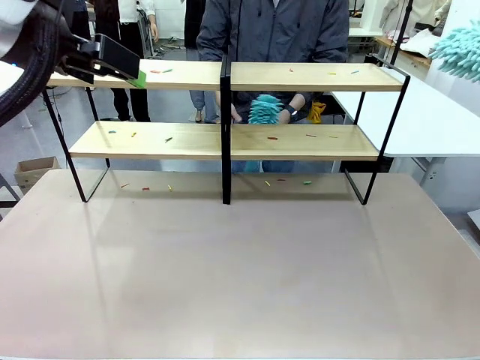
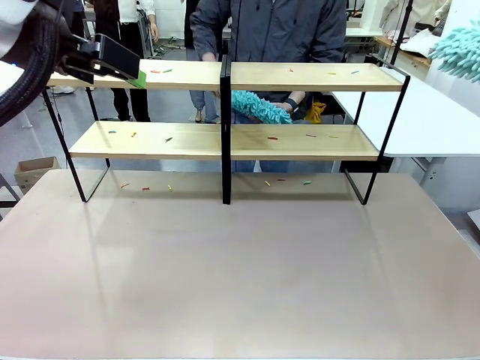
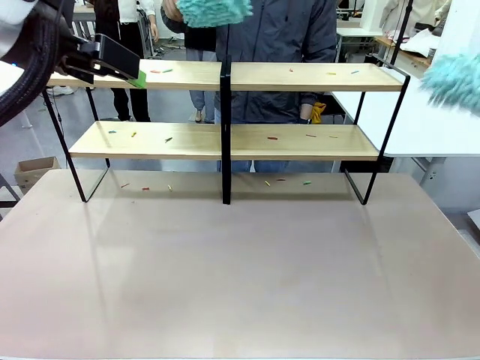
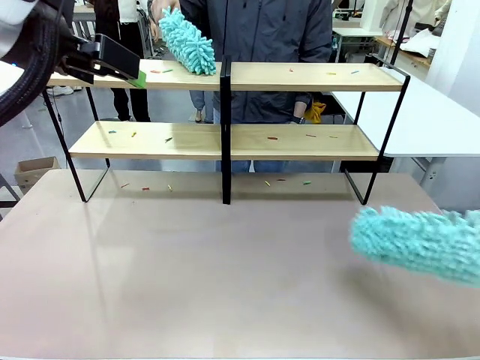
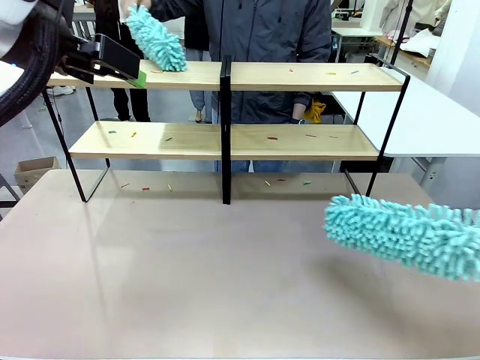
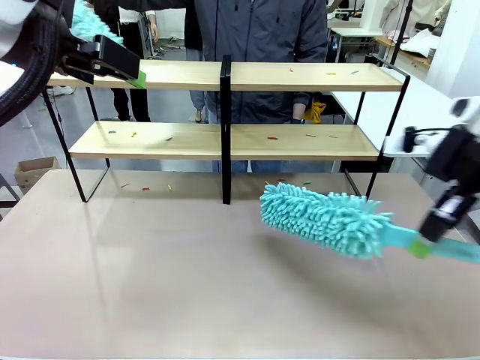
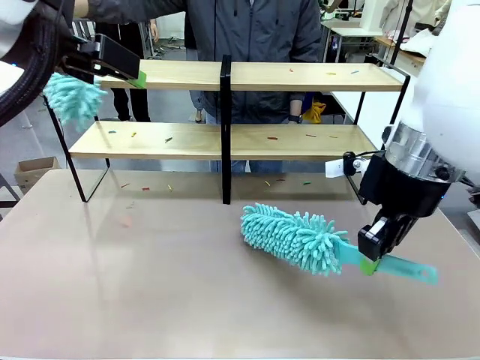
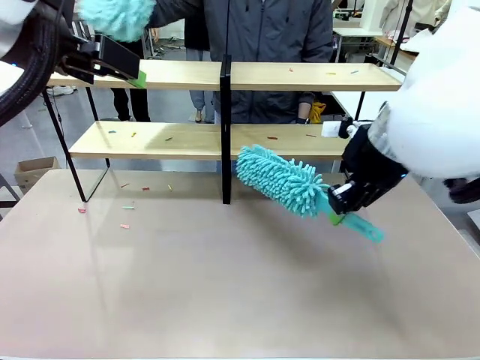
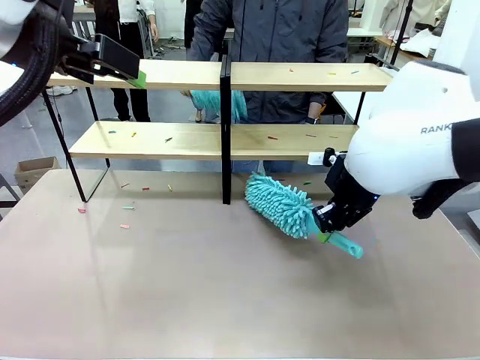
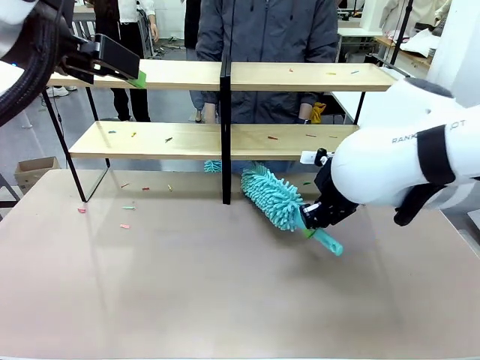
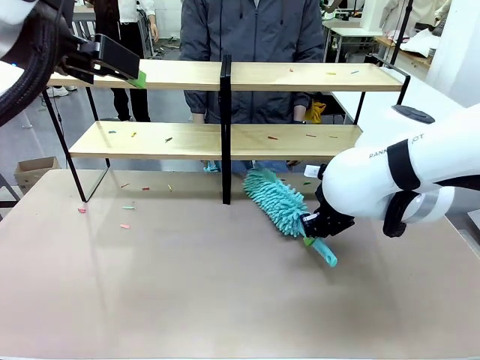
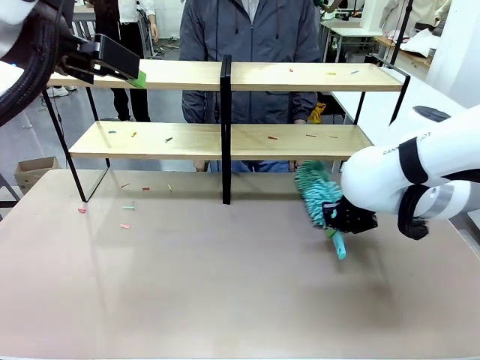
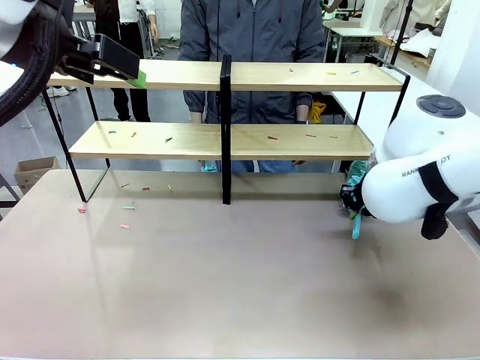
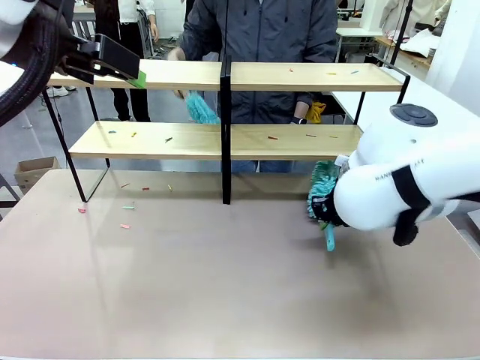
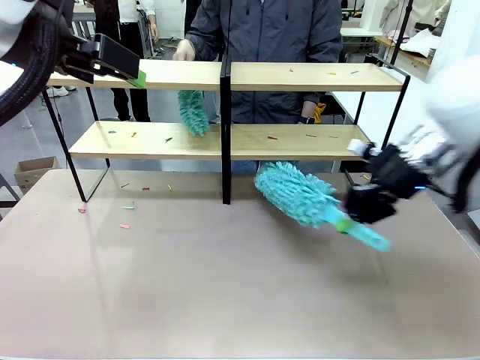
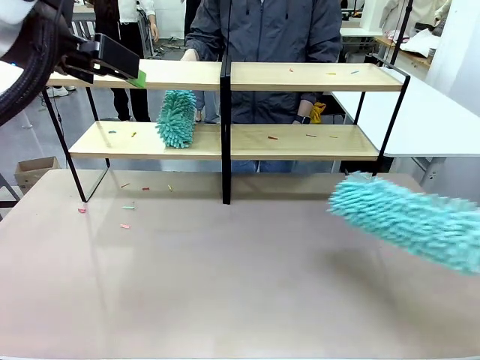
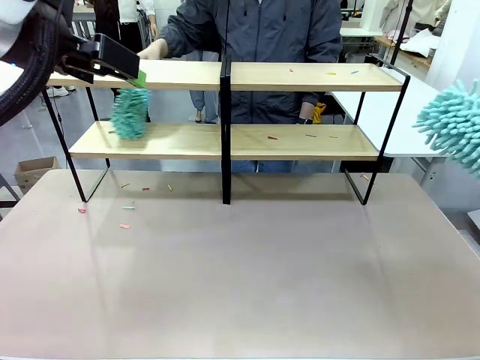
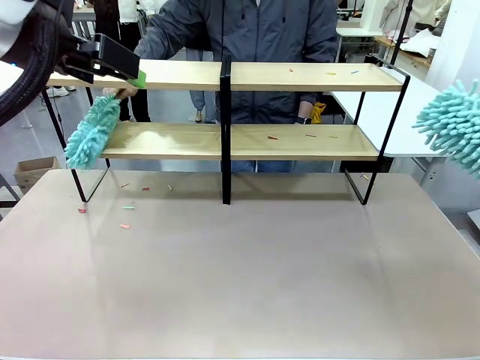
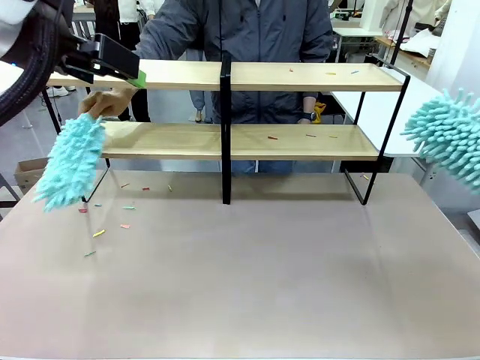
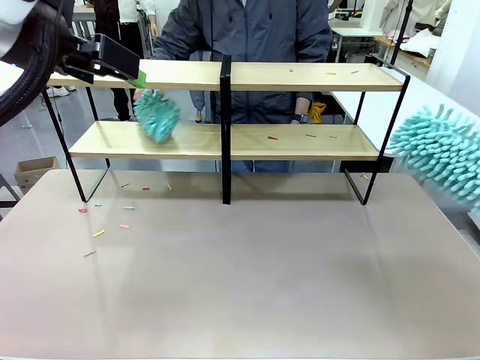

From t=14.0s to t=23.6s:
Task: Clean the shelves.
Robot: Clean a randomly selected level of the Shelf with the Duster.

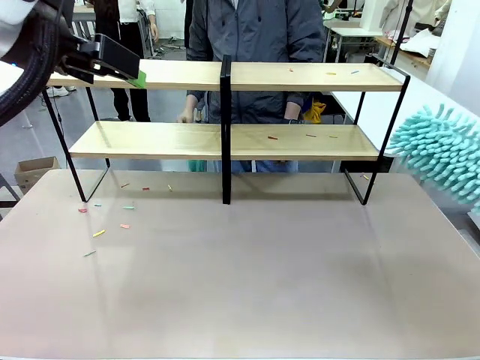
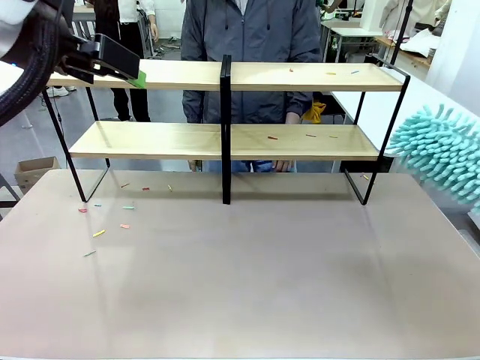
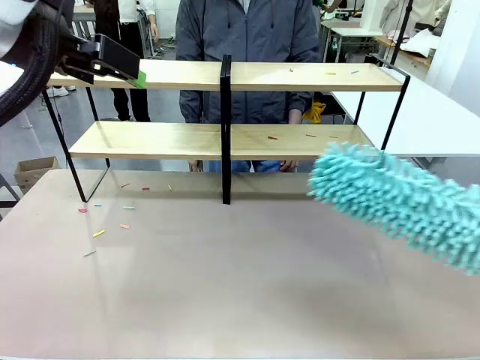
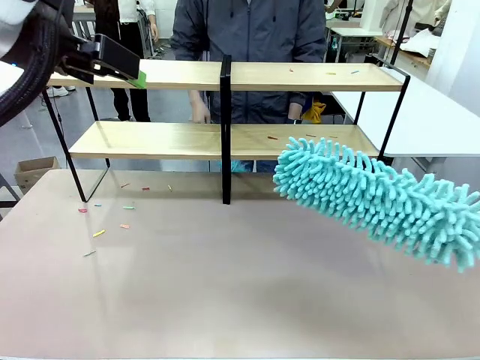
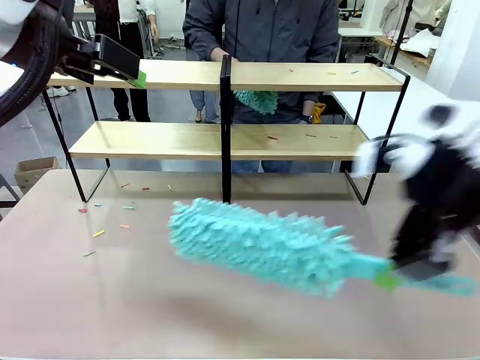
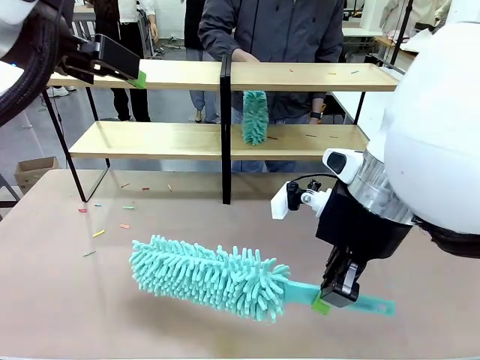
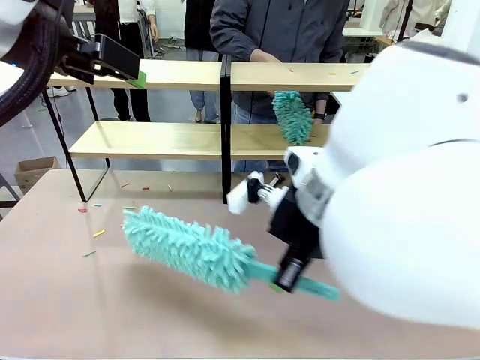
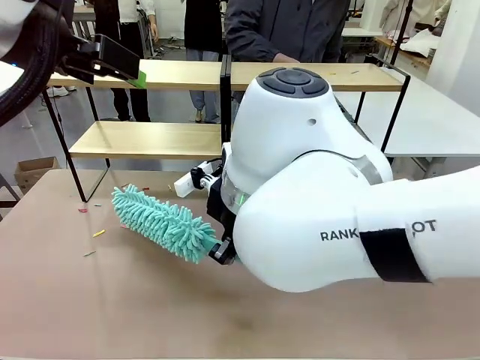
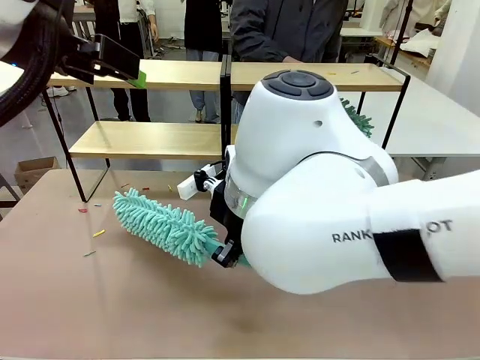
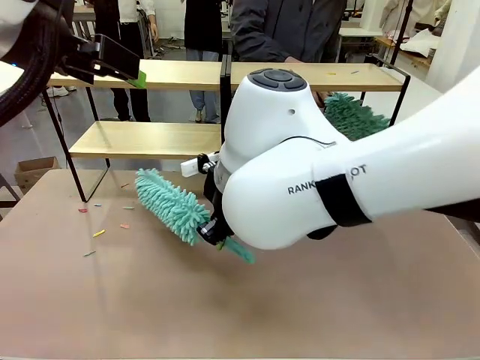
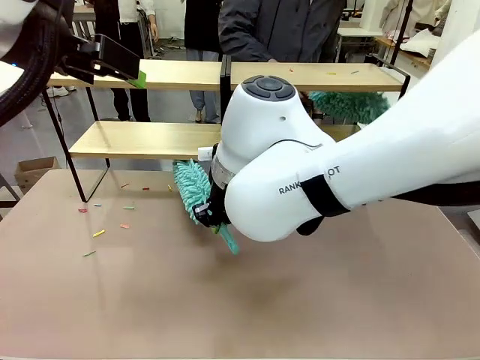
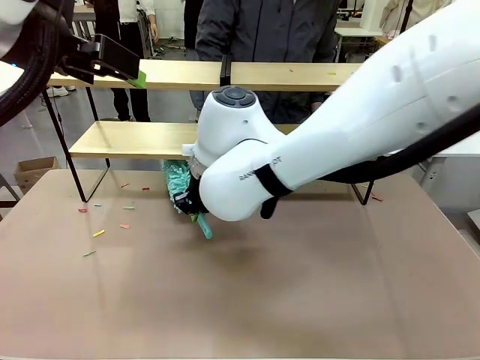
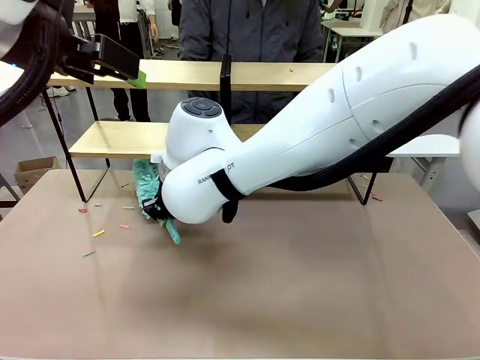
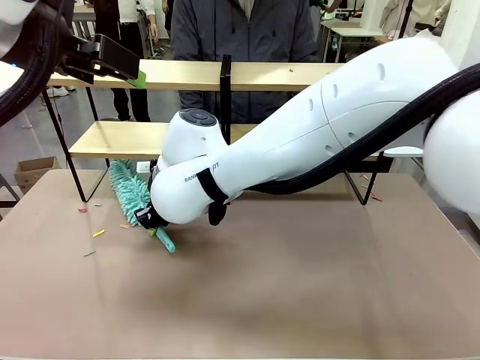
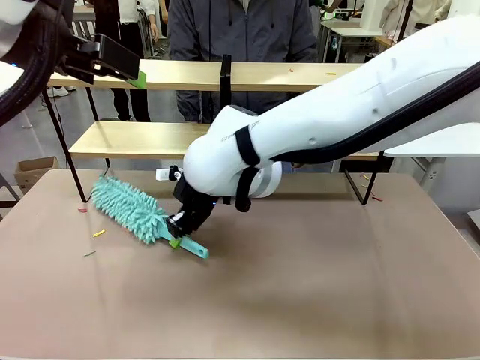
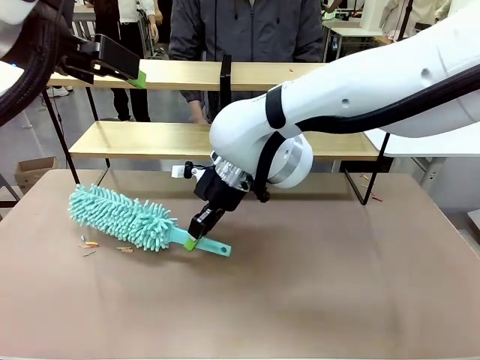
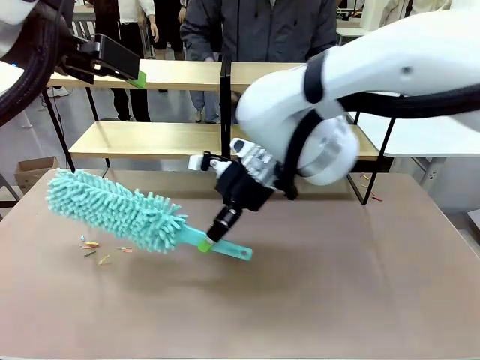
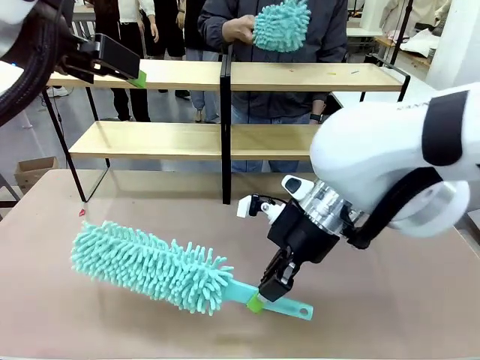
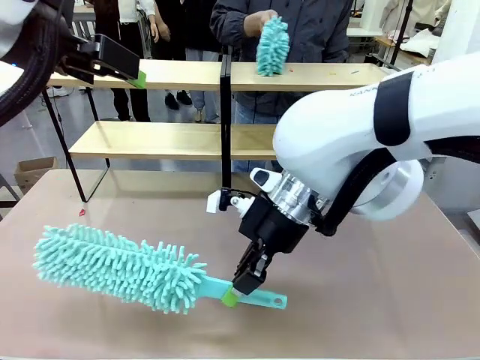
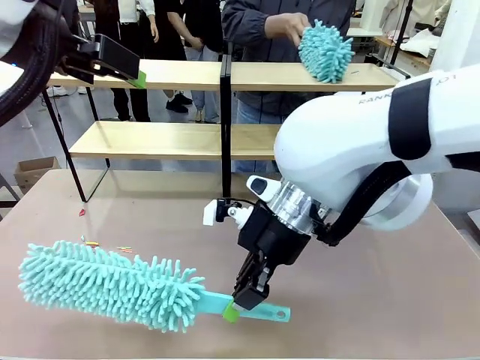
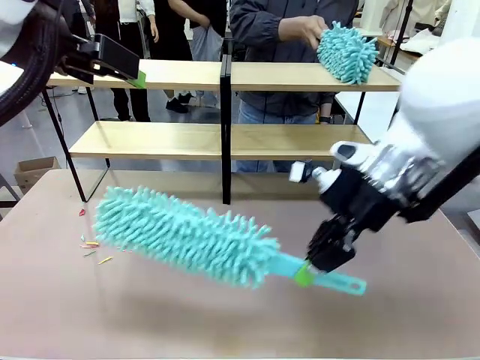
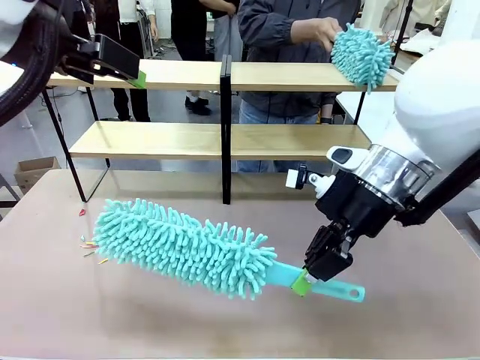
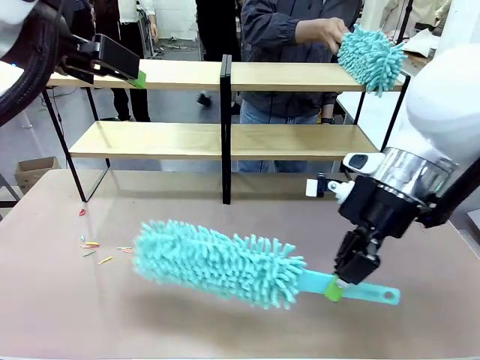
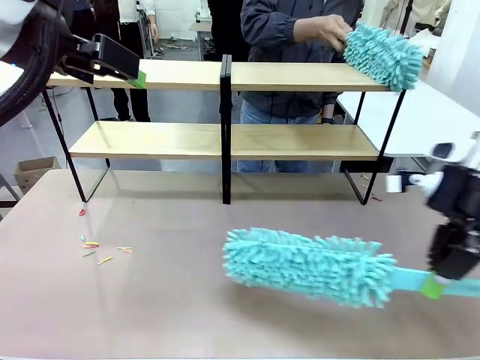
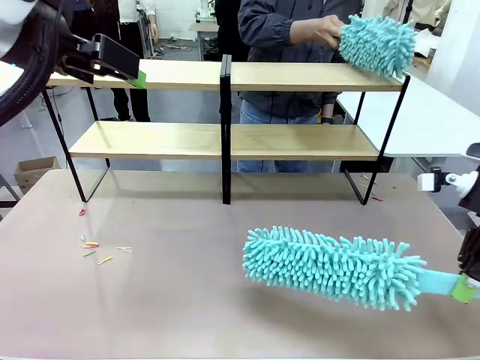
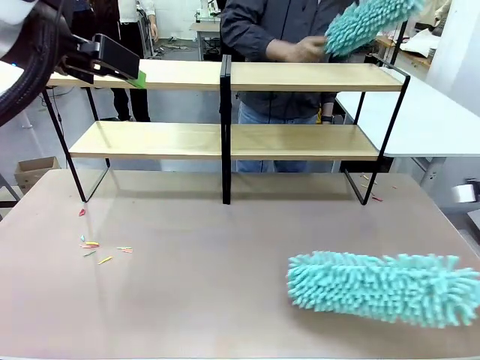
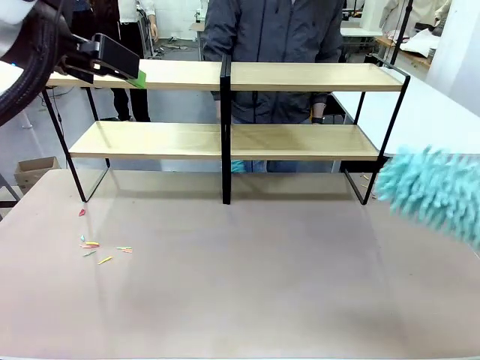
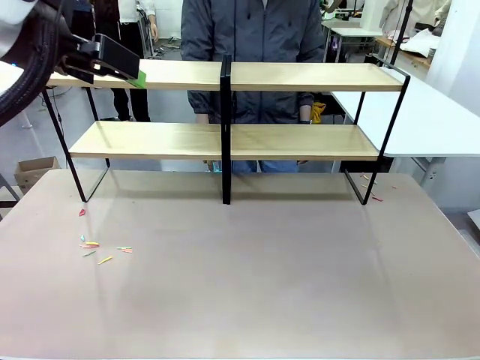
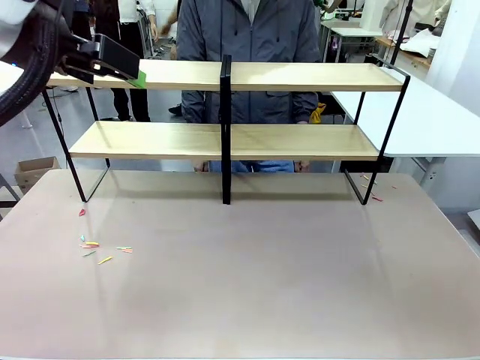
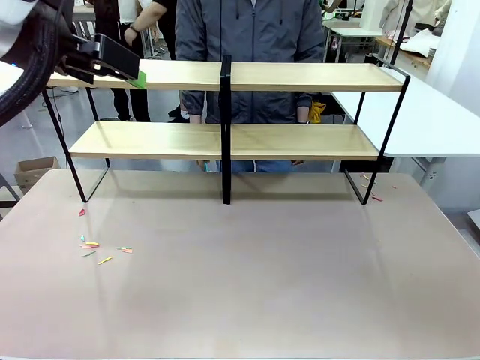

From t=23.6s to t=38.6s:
Robot: Clean another randomly selected level of the Shelf with the Duster.

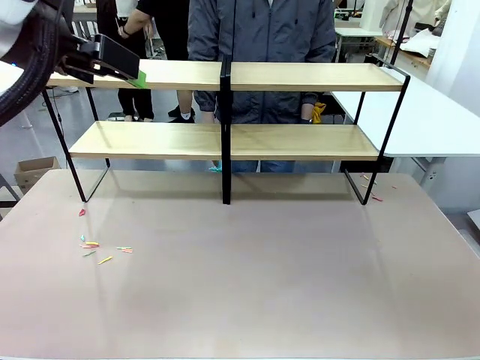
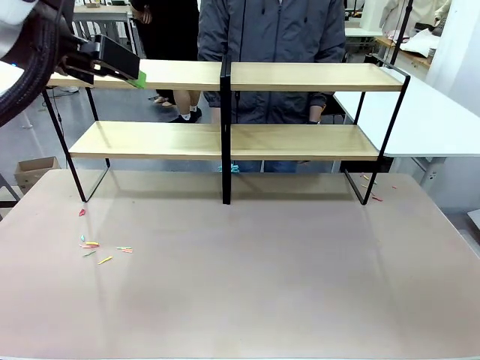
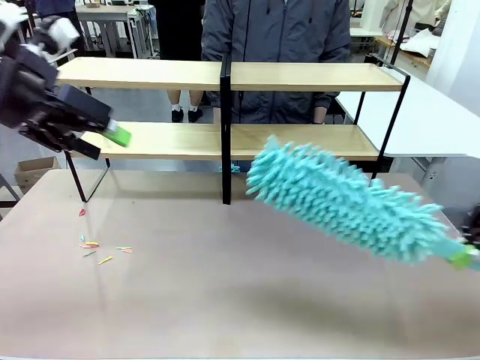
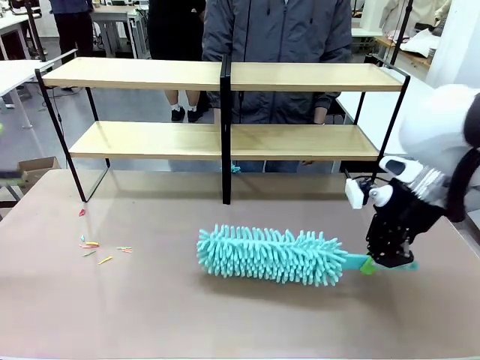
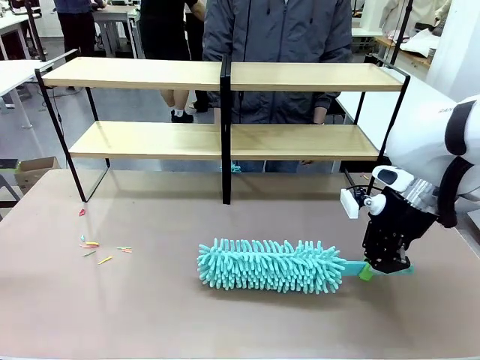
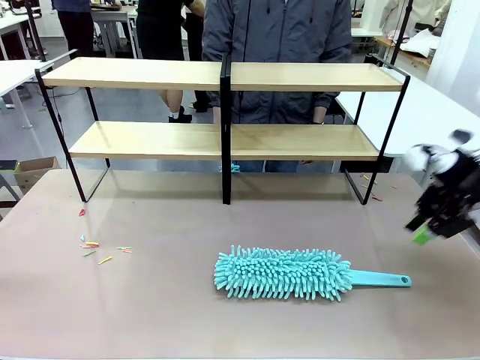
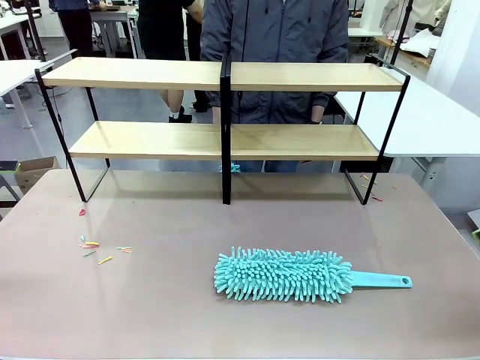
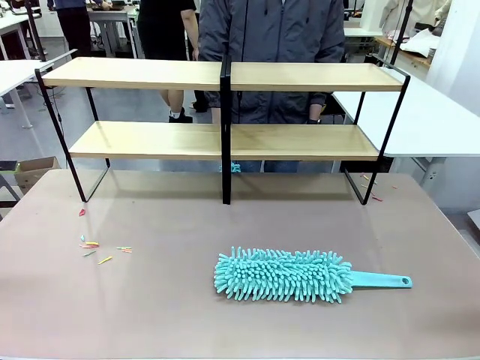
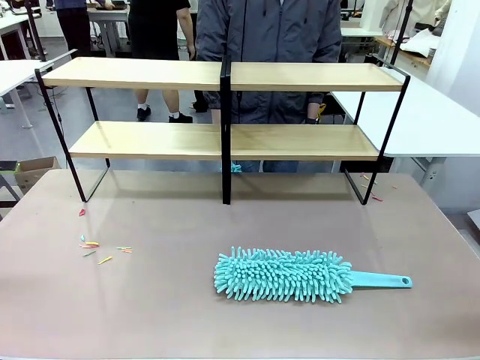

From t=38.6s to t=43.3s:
Robot: Place the Duster on the table.
